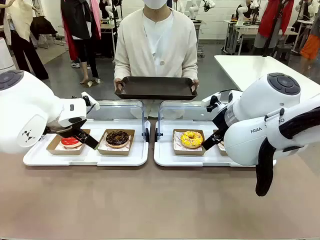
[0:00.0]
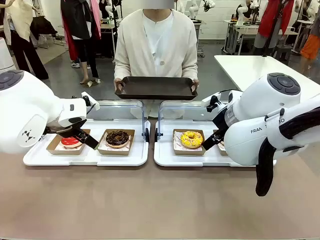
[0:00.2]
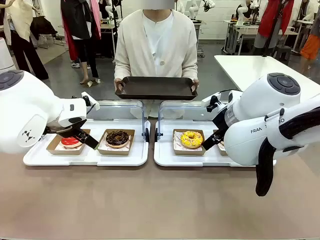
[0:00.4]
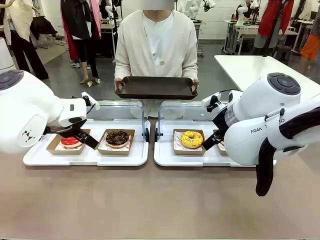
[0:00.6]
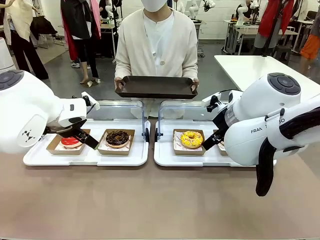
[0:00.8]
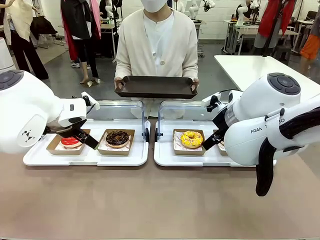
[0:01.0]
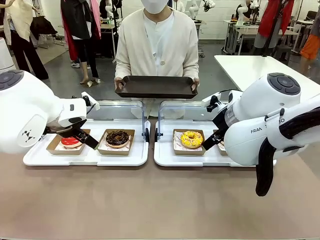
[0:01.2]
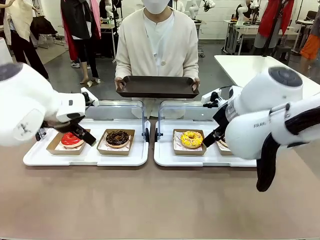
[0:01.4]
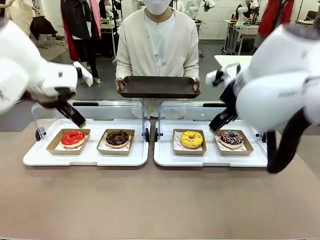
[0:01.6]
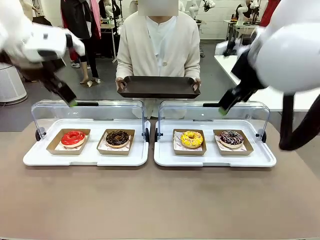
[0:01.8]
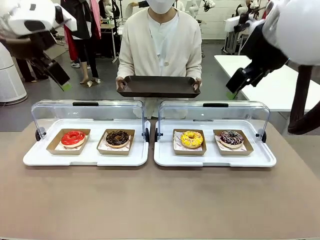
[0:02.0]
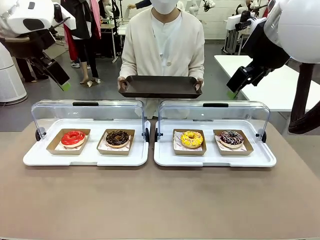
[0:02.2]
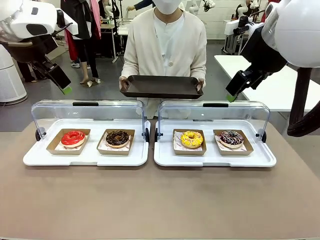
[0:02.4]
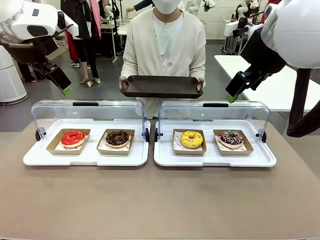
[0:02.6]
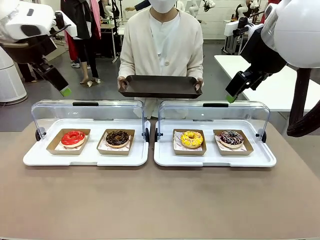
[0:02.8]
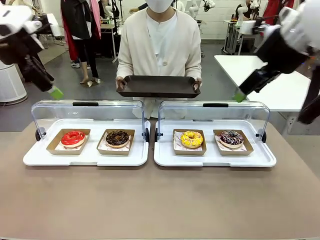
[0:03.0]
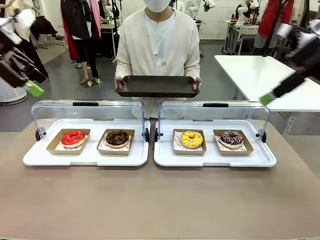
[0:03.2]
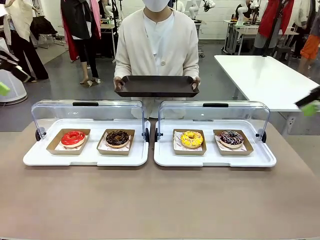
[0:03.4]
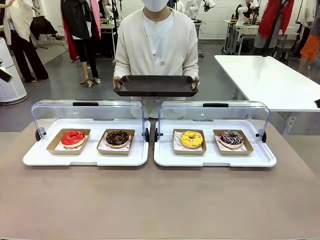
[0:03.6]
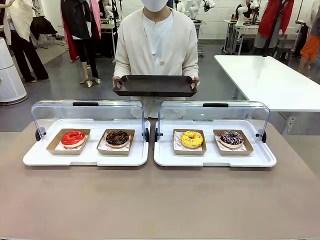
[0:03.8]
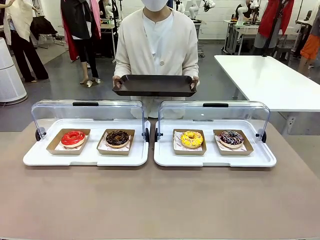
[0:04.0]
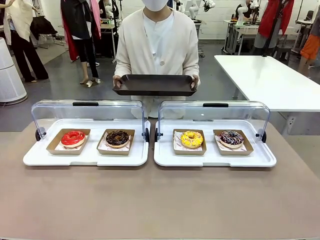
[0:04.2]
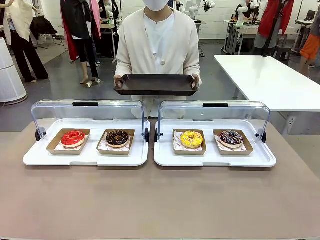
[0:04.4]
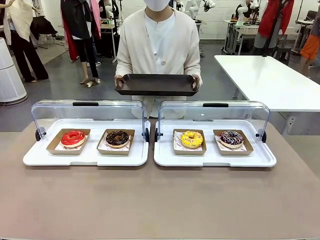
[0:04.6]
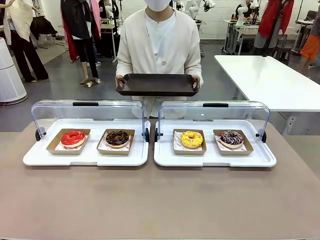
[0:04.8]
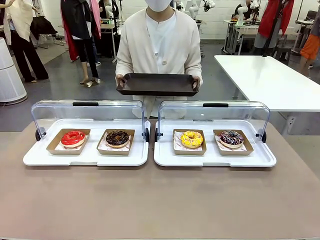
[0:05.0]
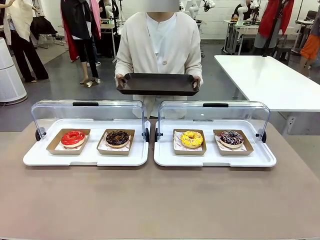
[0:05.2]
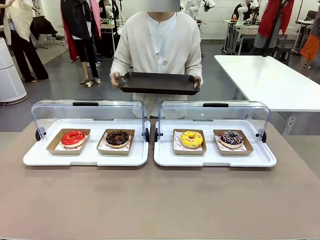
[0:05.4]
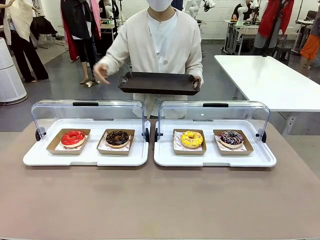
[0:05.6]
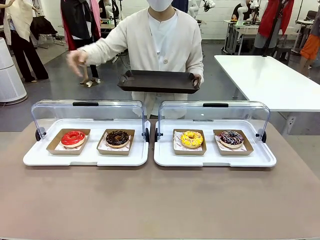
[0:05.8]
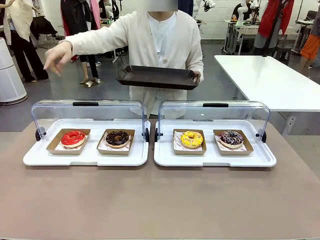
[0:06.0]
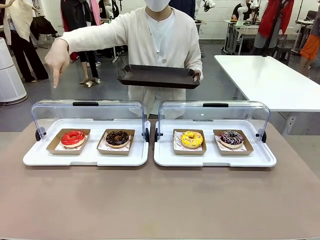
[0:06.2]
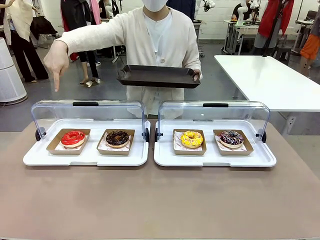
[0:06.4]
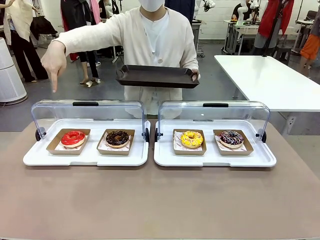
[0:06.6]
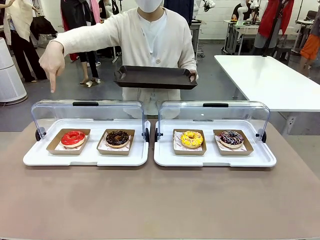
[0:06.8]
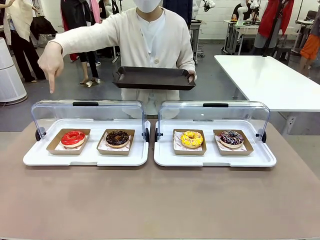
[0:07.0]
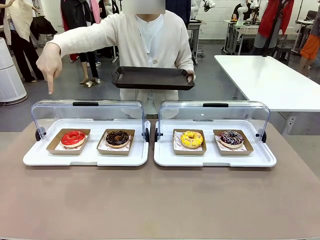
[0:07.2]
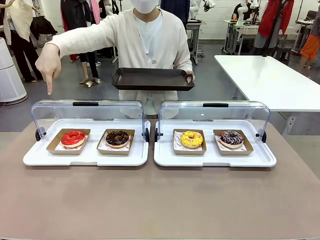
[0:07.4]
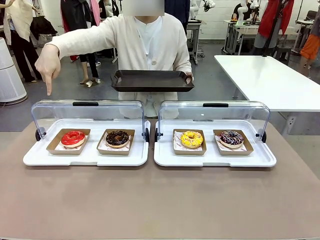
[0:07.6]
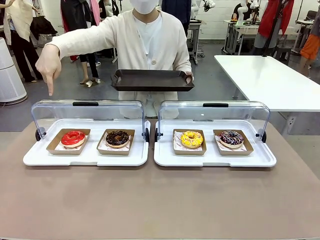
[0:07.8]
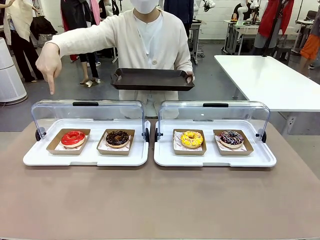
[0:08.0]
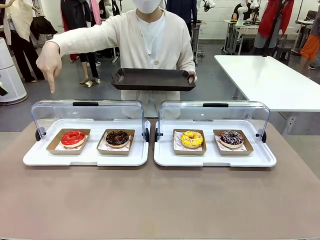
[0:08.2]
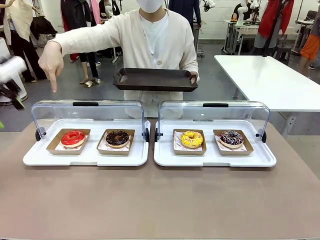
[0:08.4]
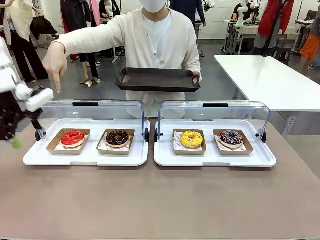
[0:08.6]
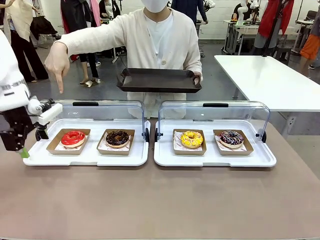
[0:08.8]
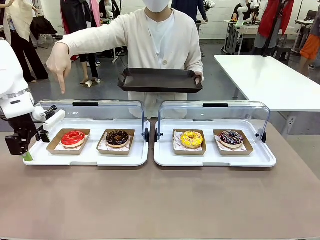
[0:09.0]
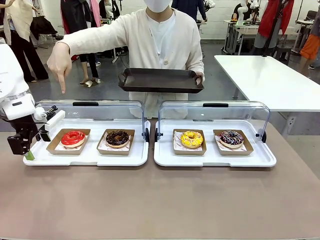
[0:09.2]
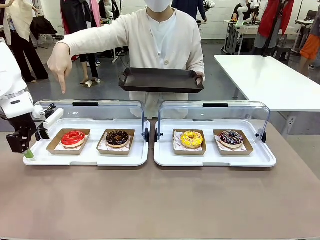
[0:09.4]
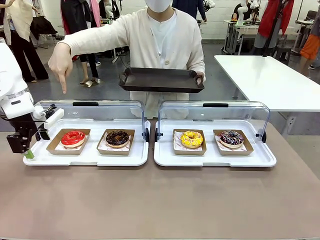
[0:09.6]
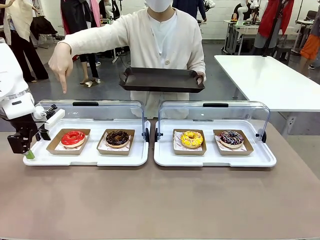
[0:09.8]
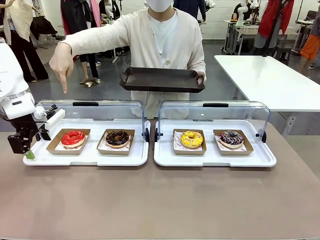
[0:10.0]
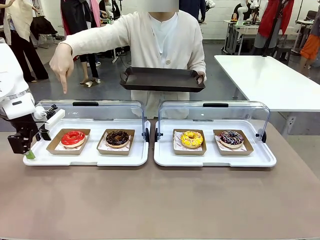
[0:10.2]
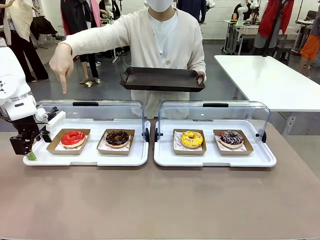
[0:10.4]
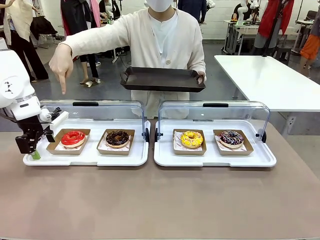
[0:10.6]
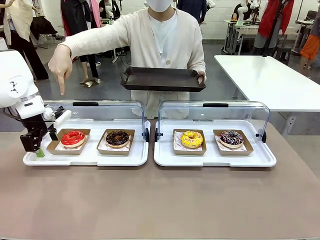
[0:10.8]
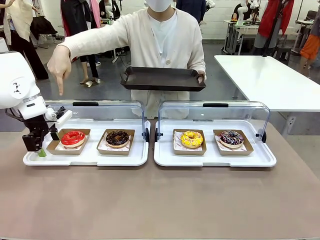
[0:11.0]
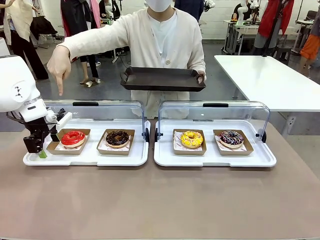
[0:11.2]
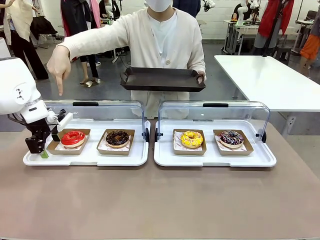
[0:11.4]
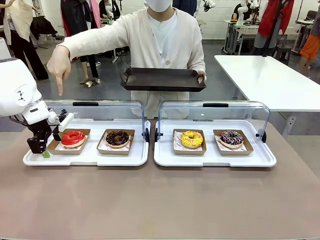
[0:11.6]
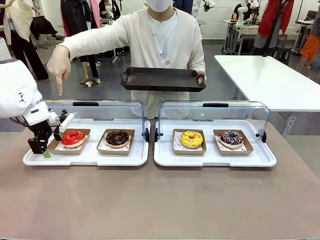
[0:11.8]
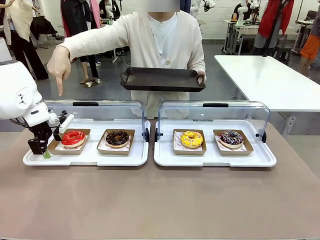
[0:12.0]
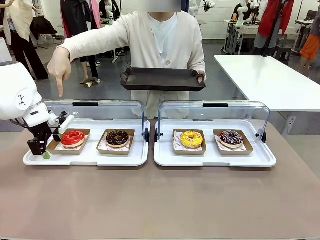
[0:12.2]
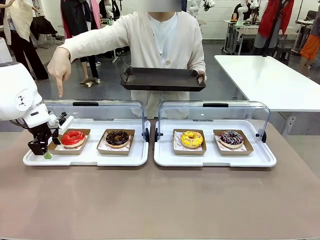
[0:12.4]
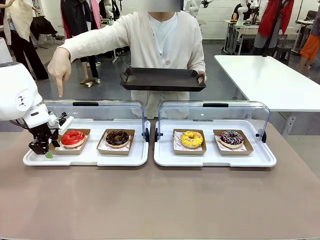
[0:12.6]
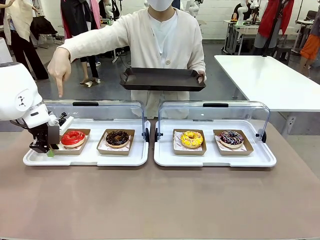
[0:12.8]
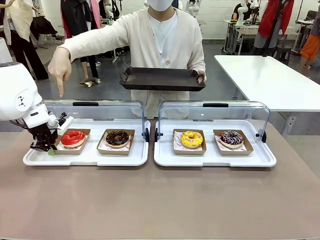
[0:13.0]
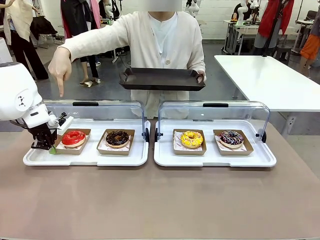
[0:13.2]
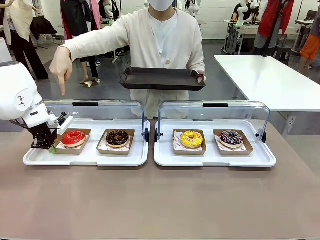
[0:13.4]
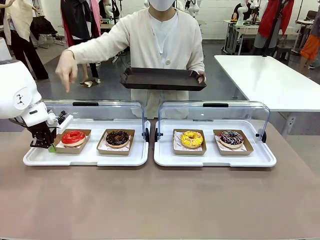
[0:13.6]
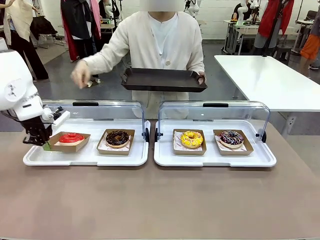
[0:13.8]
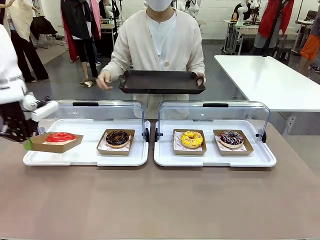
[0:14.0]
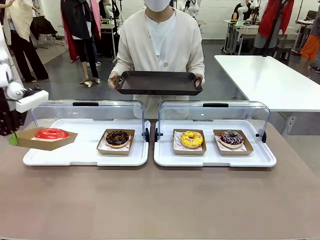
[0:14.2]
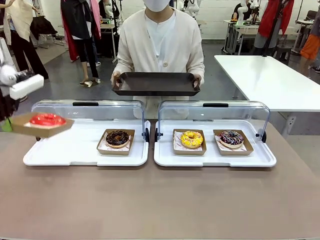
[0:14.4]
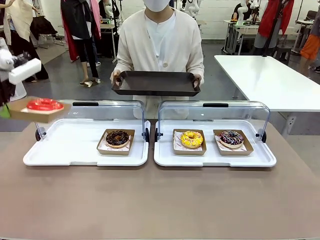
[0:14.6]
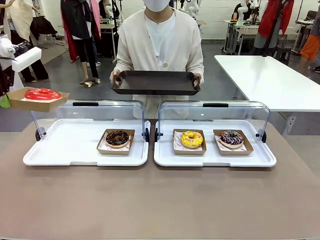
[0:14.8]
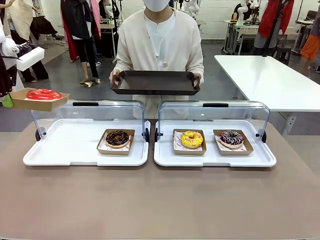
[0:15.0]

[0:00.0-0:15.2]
Task: Provide the desired donut to the person.
Robot: Pick up and lift the Paper togo box containing the Donut pointed at by the person.
Person: Point to one donut. Lift the tray onto the Roll-Top Bakery Case.

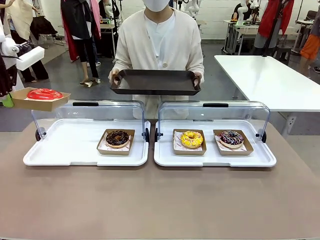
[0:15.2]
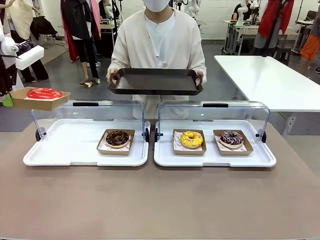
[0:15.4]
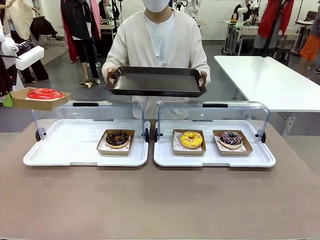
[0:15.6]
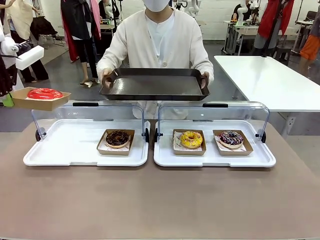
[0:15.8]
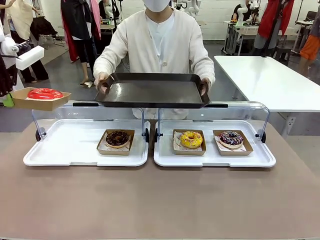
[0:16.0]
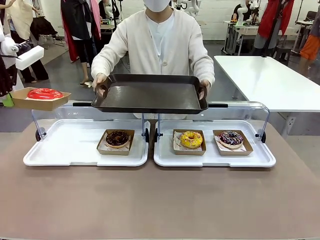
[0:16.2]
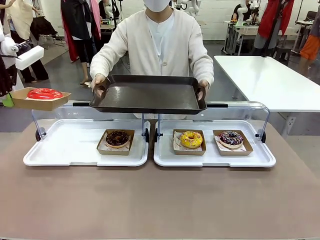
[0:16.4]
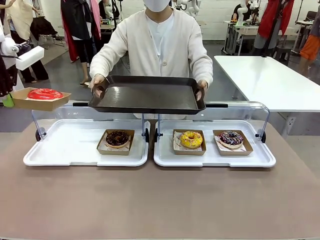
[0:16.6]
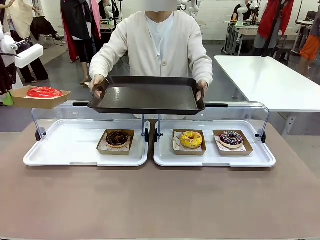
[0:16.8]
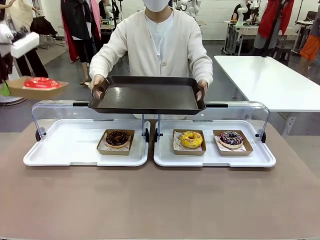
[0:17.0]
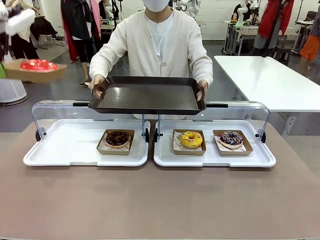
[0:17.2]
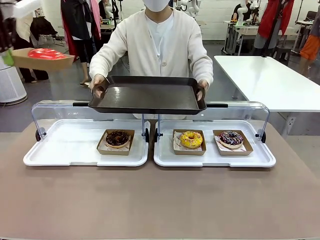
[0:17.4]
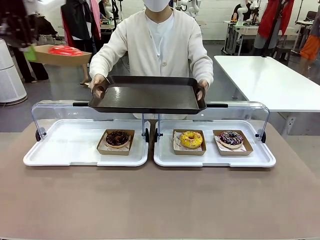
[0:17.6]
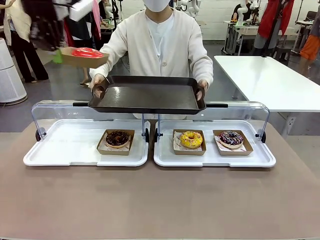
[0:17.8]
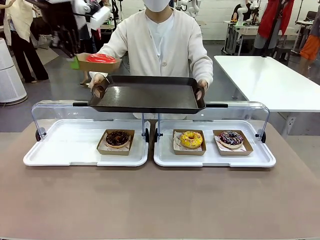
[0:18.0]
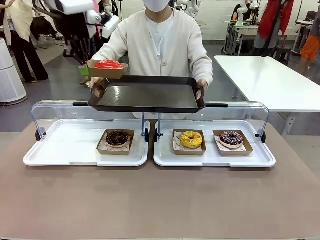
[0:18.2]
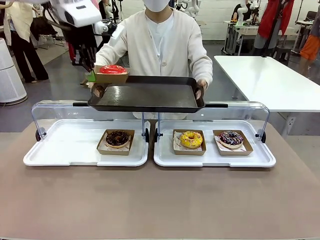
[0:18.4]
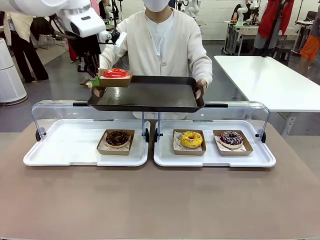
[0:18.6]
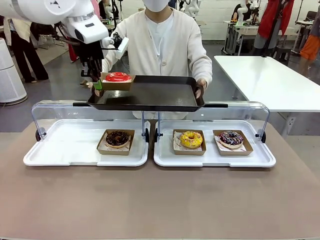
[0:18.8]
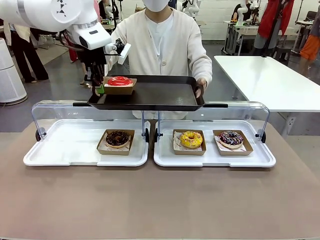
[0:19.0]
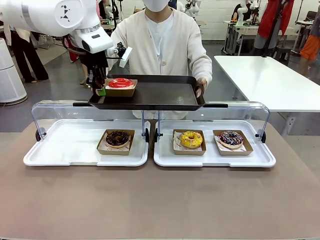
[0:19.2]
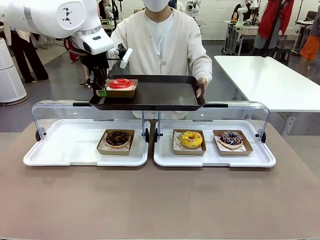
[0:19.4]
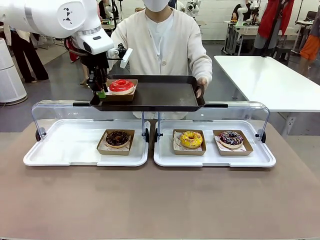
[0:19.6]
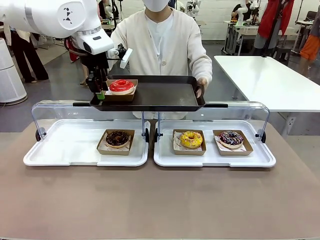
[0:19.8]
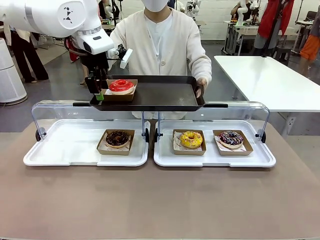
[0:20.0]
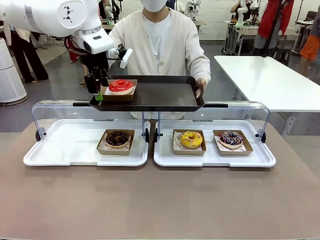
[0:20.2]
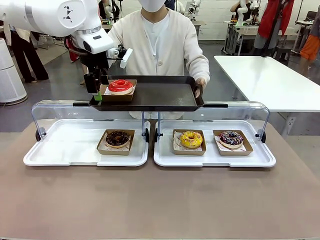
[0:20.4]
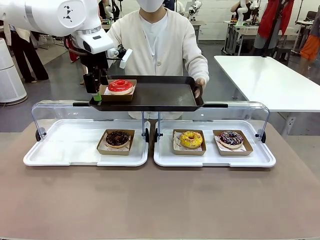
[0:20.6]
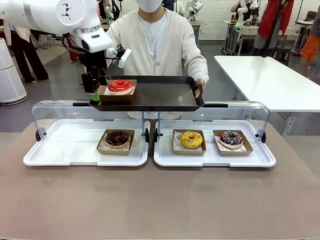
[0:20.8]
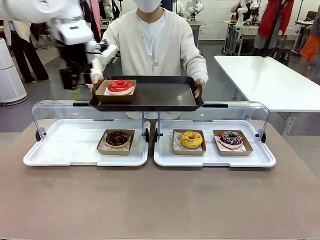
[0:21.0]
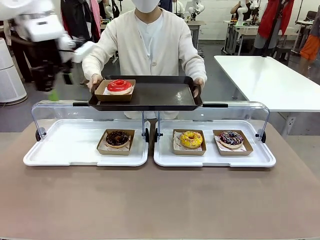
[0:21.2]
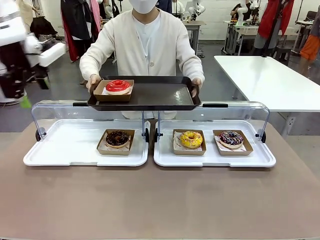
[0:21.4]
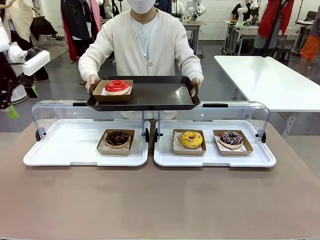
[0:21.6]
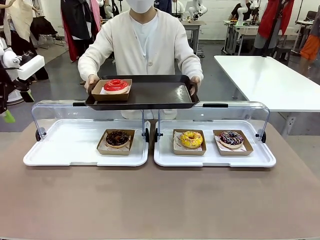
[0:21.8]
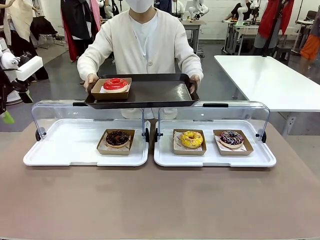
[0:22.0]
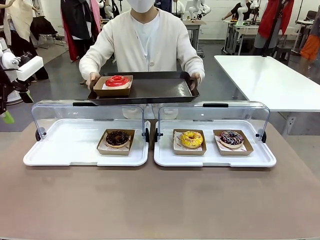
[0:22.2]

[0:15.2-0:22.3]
Robot: Place the picked Paper togo box onto the Handle tray extended by the person.
